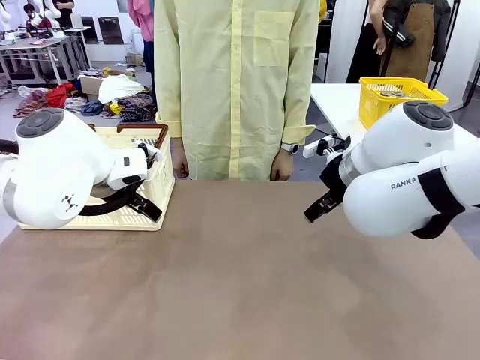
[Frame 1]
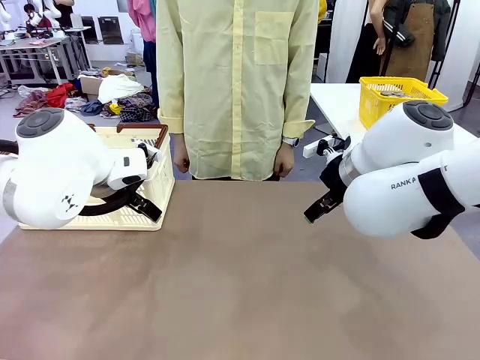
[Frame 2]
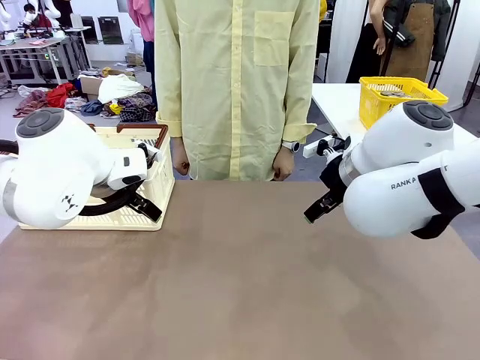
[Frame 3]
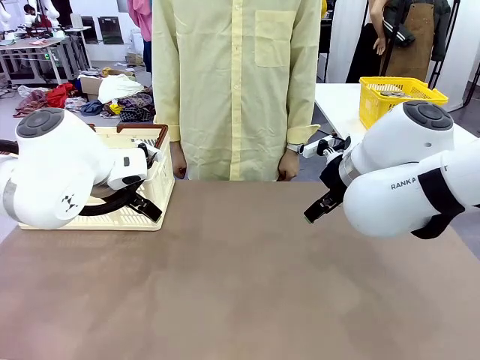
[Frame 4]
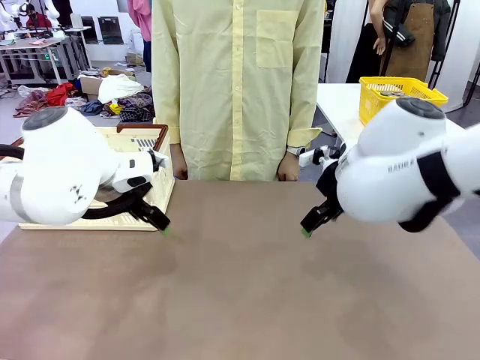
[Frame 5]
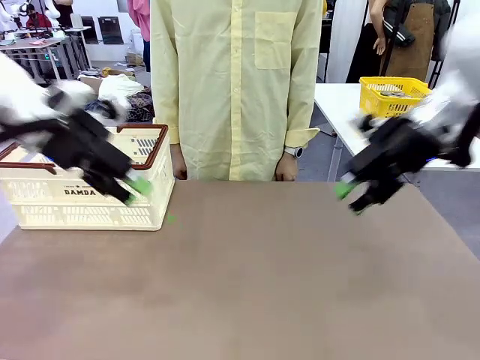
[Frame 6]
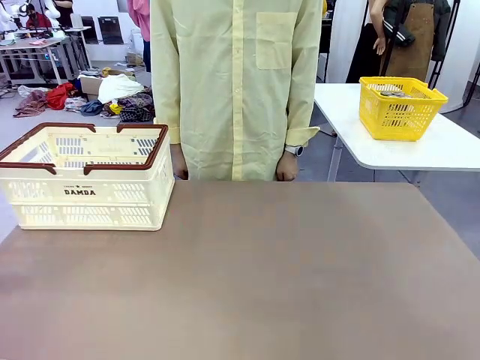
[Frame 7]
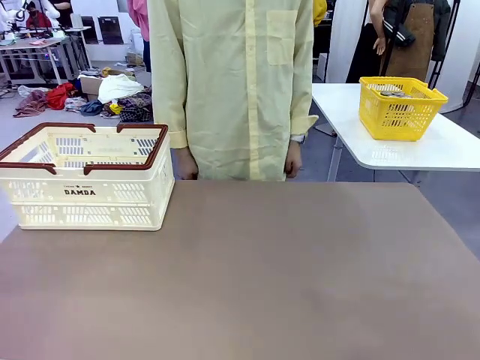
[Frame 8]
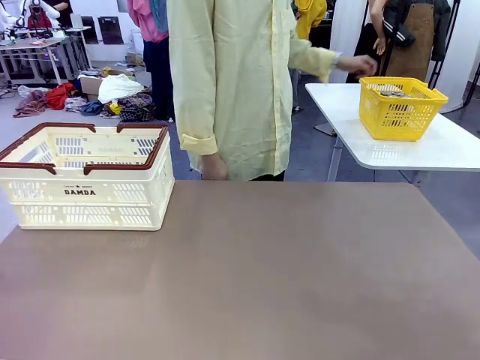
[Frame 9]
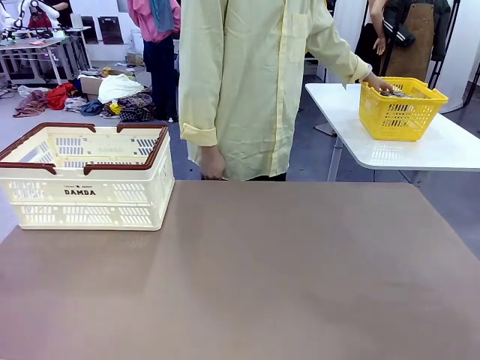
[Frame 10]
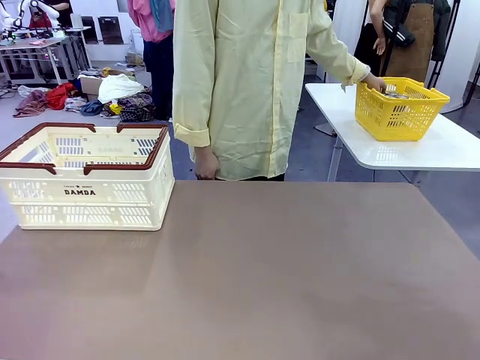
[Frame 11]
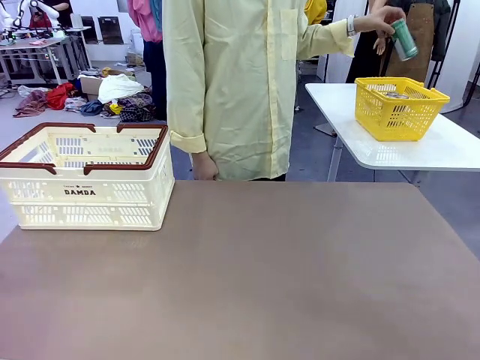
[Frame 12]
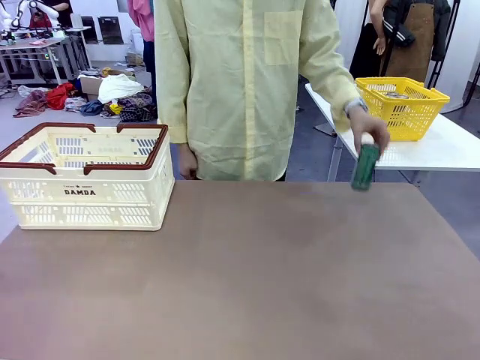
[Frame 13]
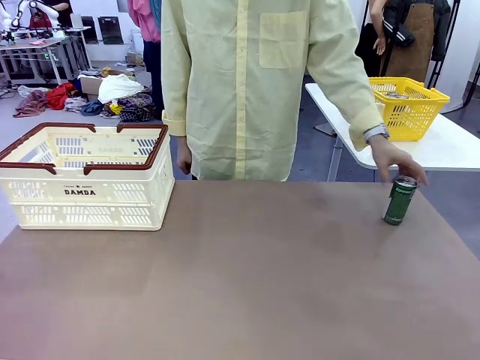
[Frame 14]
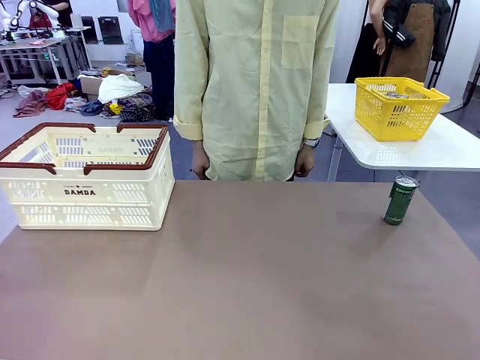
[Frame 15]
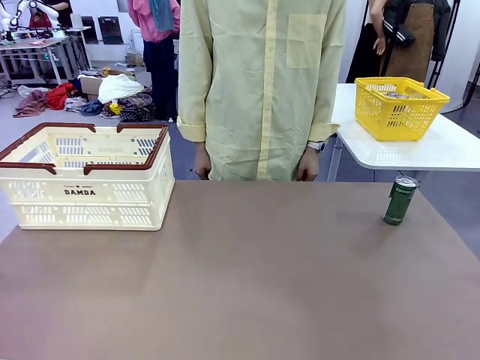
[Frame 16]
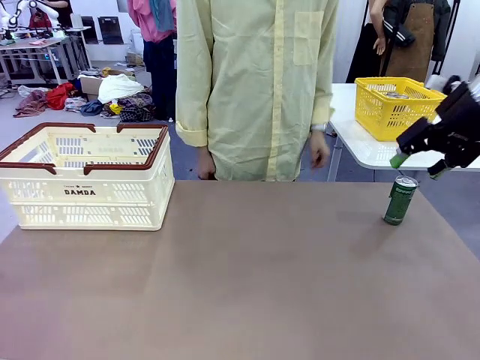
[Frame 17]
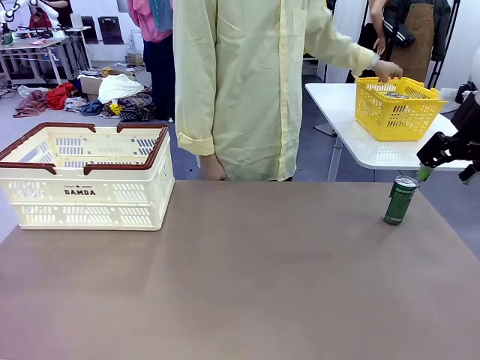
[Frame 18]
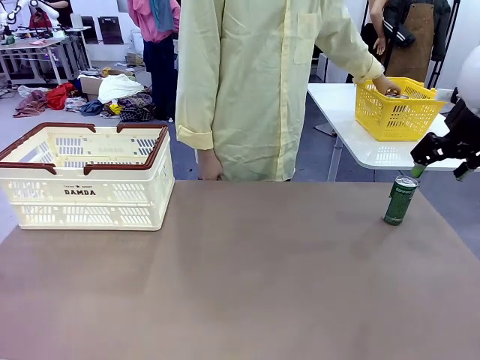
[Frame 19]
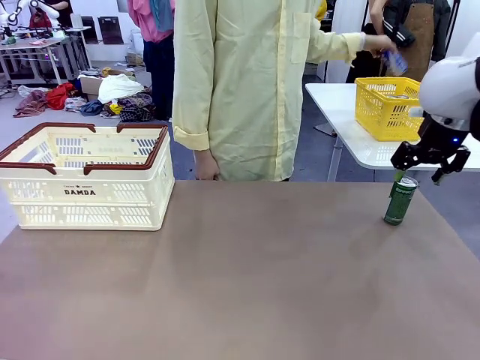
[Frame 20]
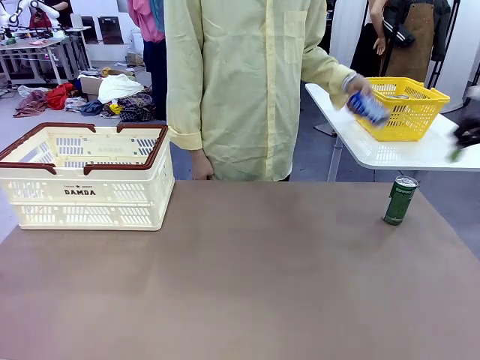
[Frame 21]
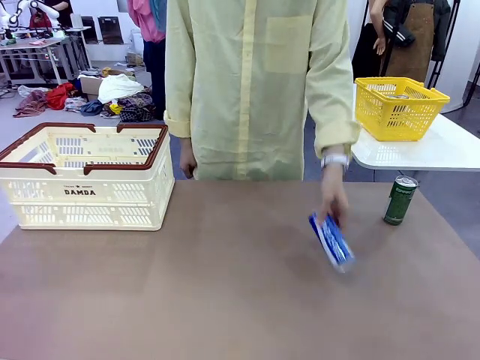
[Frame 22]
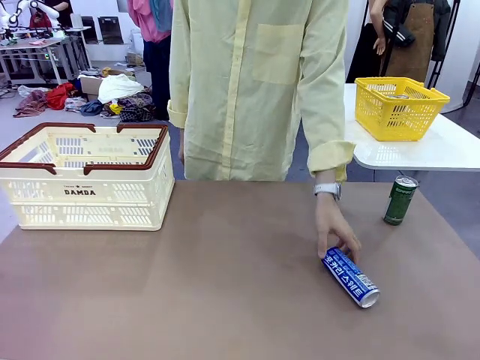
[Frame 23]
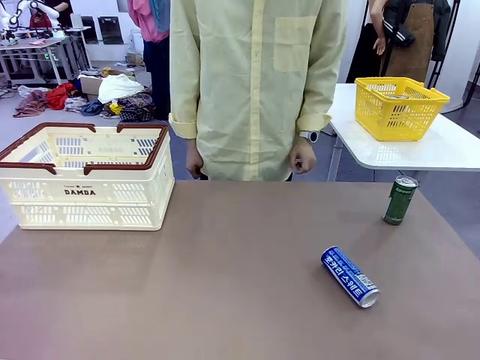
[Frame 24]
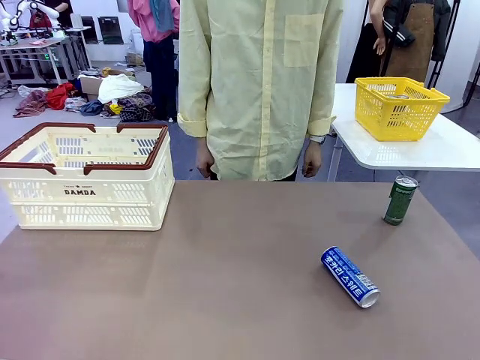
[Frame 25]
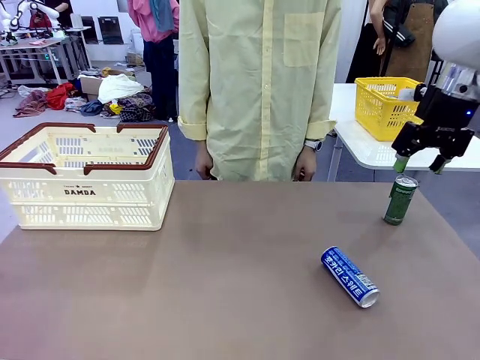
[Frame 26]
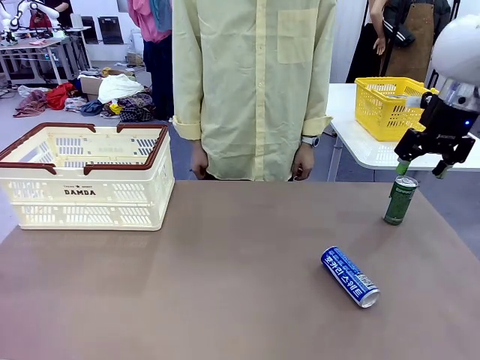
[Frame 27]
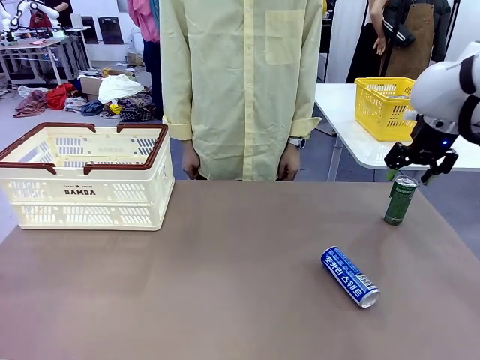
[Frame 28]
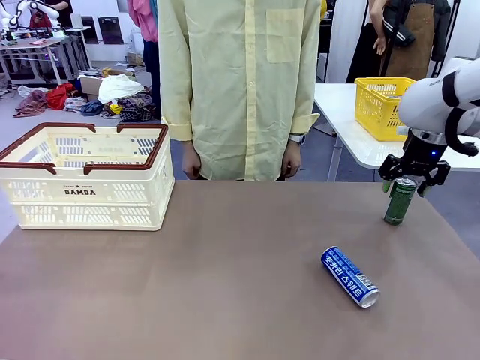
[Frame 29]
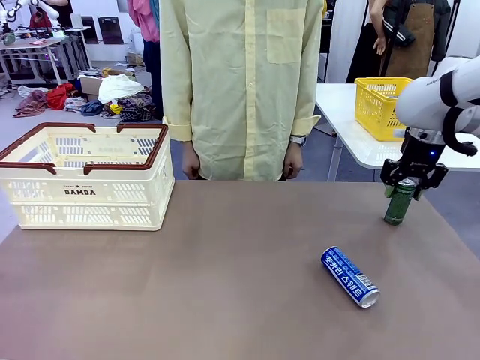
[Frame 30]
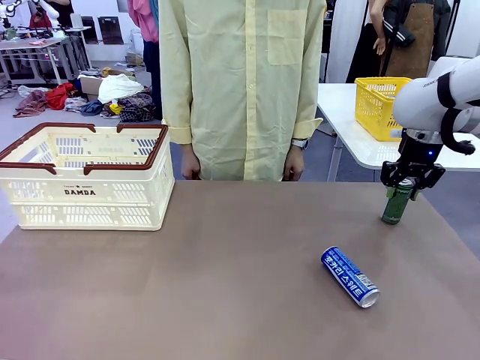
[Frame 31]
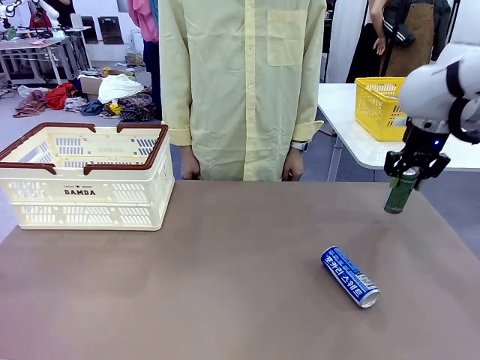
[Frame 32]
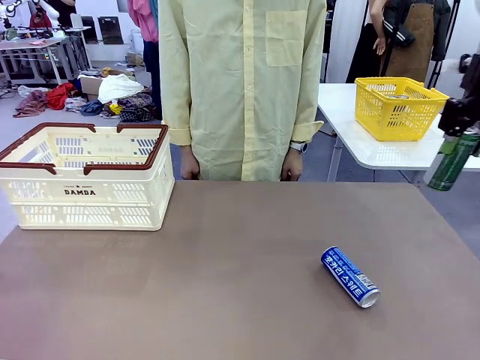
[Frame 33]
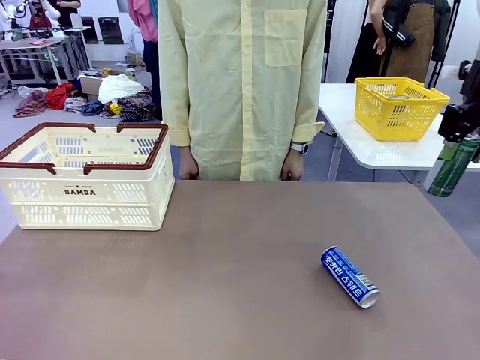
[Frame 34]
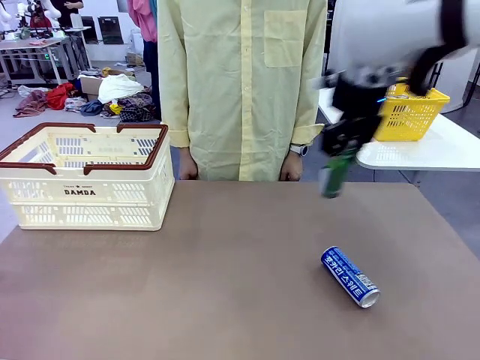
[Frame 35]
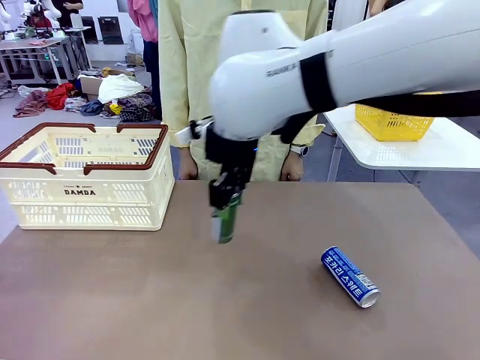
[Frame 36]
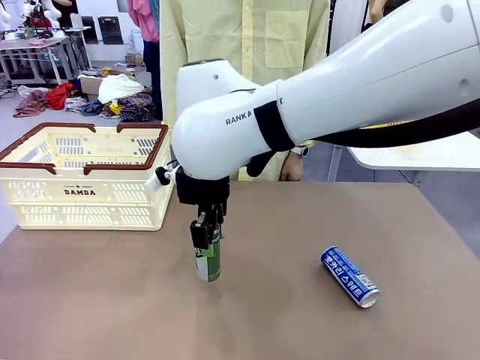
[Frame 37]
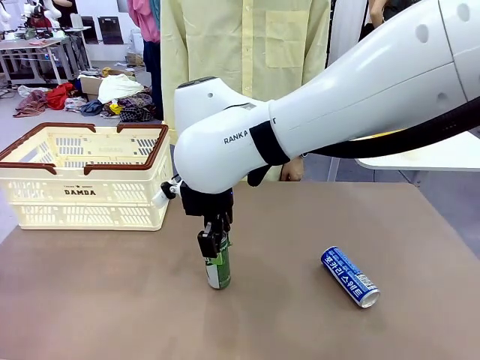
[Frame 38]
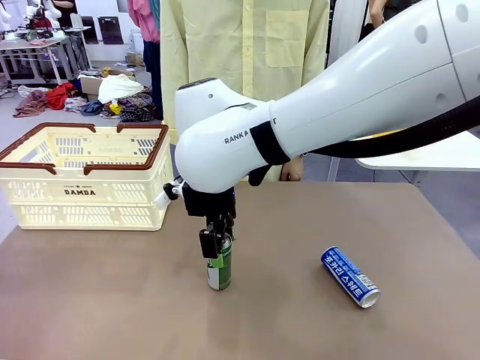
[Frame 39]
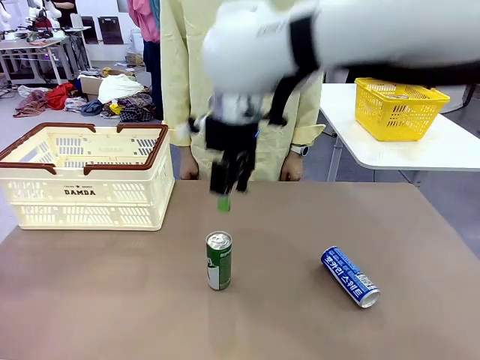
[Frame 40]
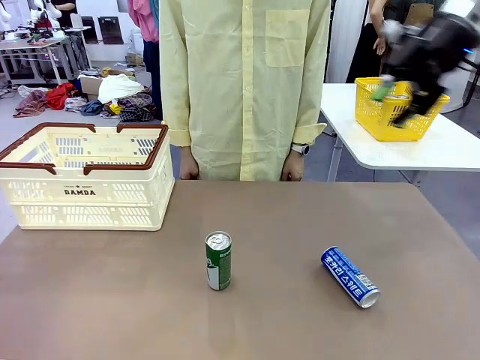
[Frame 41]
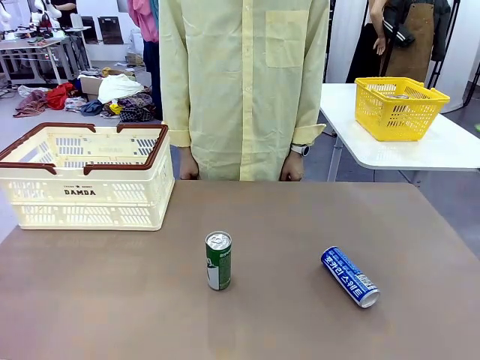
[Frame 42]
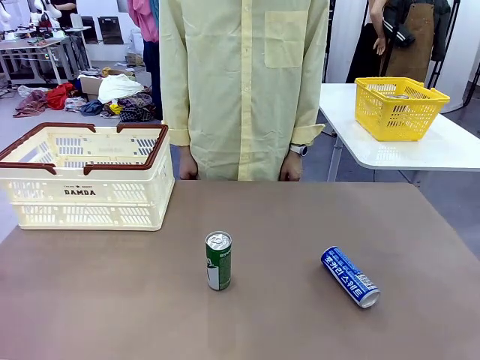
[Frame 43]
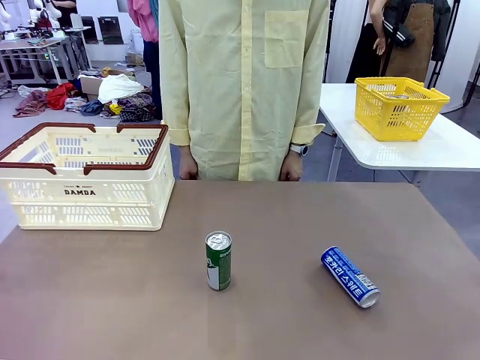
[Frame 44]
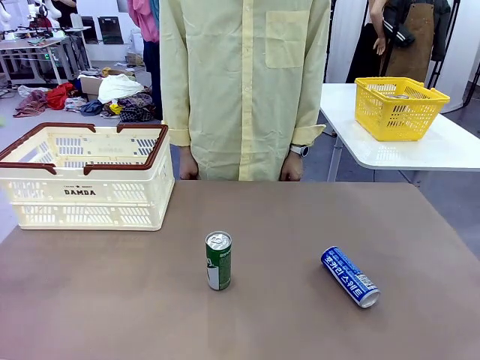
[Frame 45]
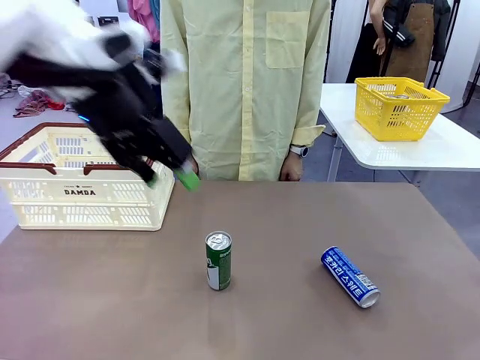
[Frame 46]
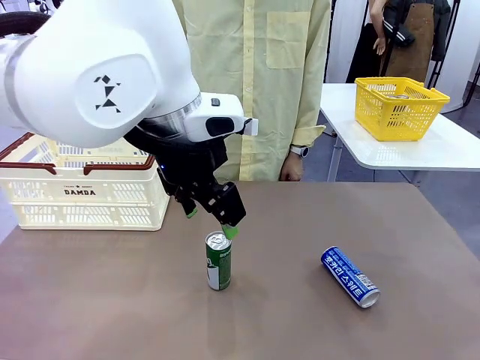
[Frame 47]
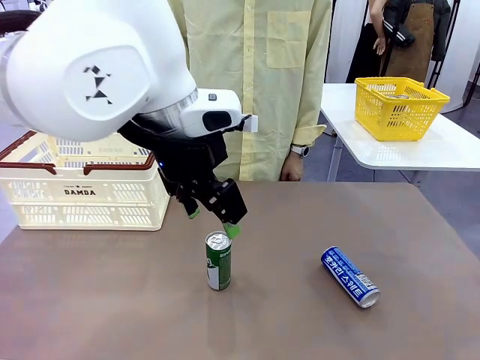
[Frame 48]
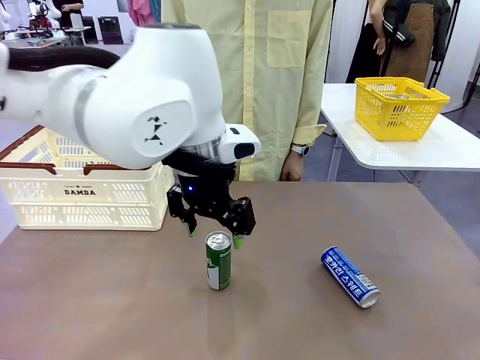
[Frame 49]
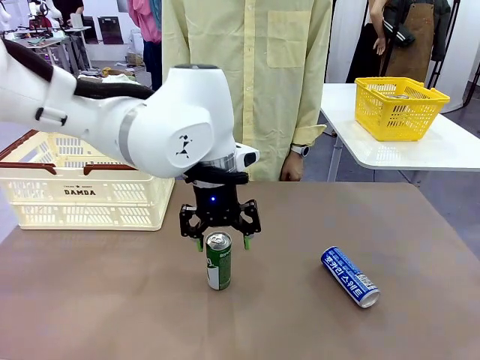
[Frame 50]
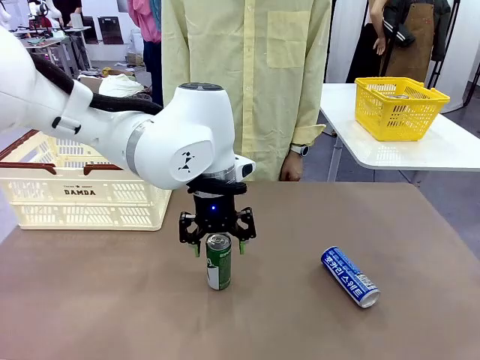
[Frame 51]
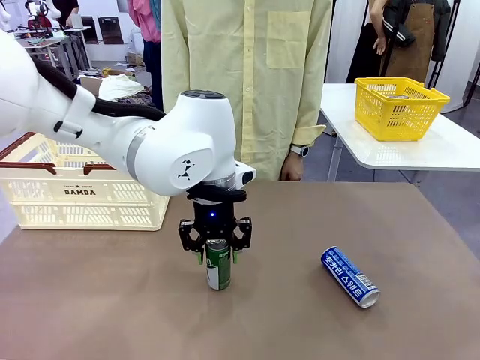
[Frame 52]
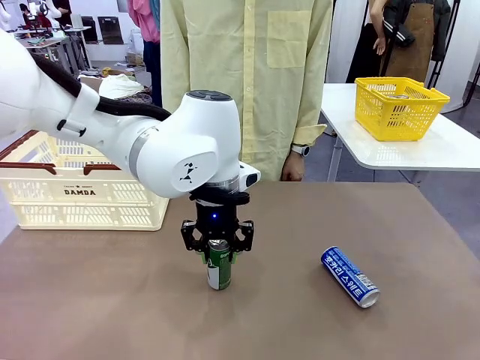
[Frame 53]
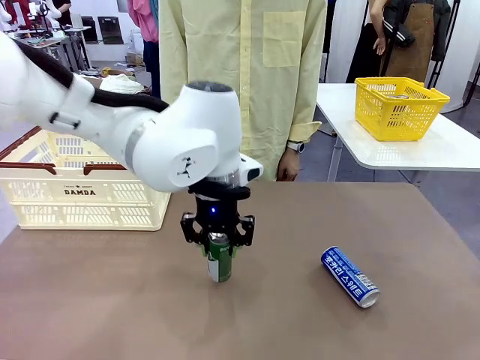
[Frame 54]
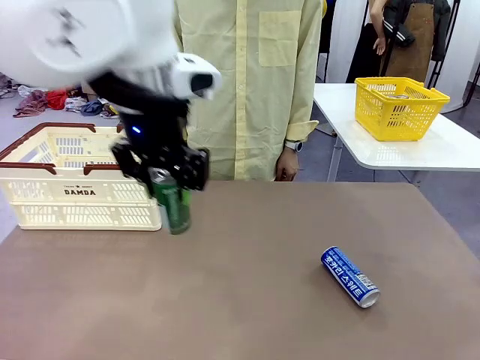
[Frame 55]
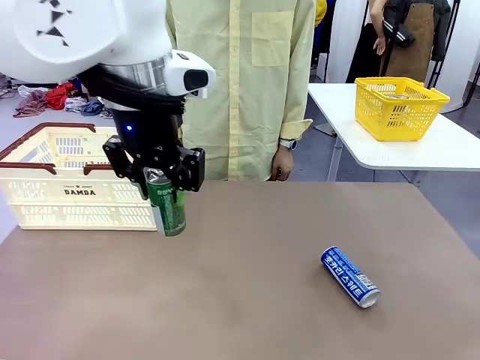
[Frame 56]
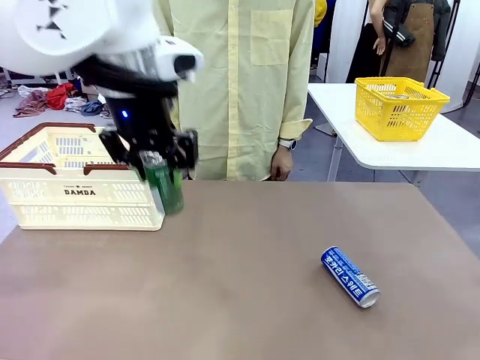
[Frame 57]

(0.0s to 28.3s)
Task: Place the drinks into the Shopping basket.
Robot: Pick up one drink and place it into the Shopping basket.
